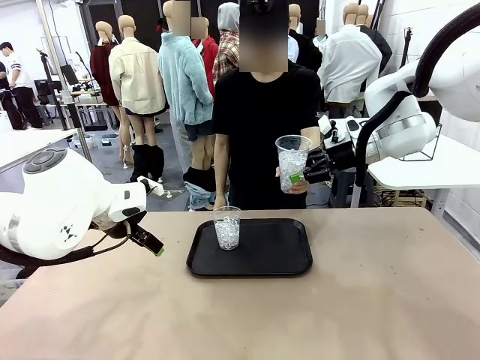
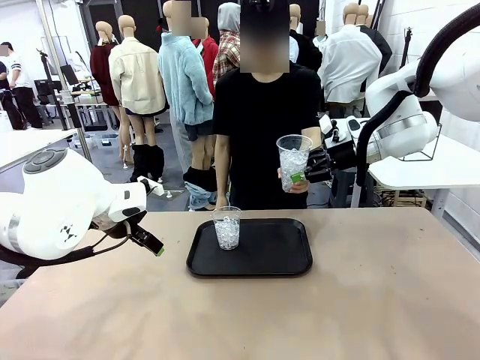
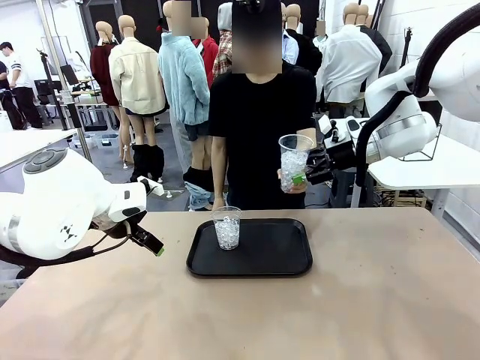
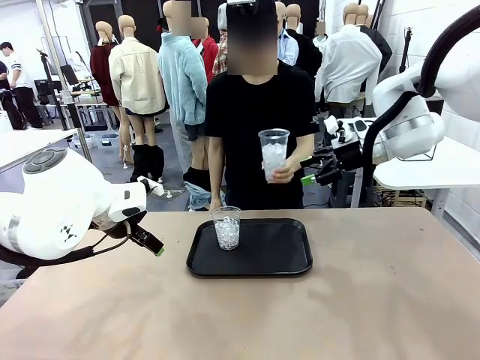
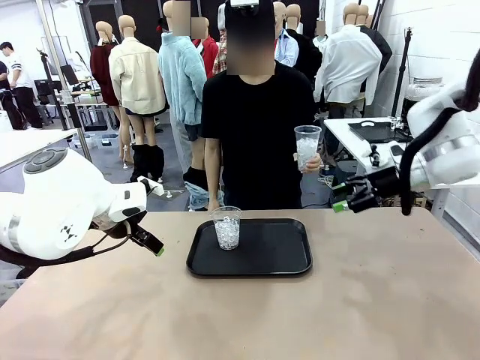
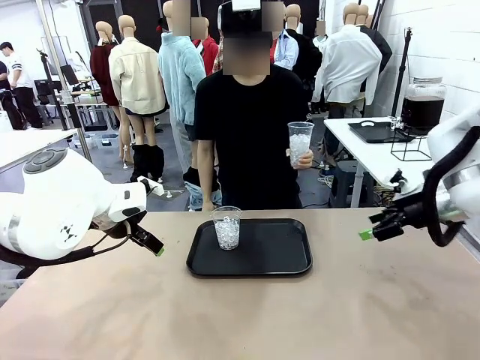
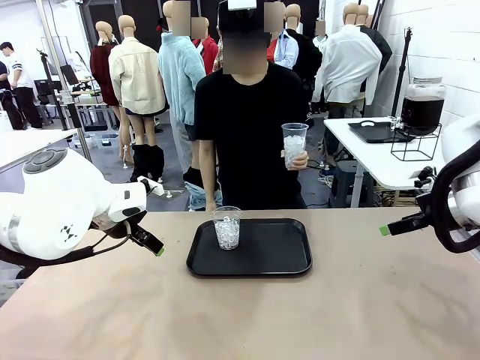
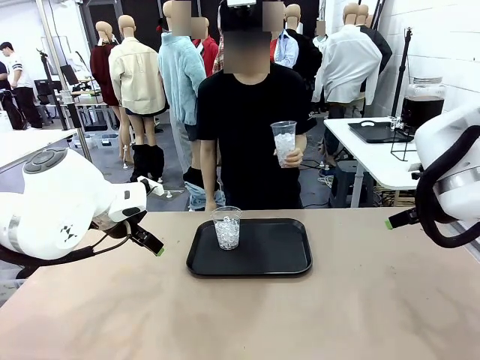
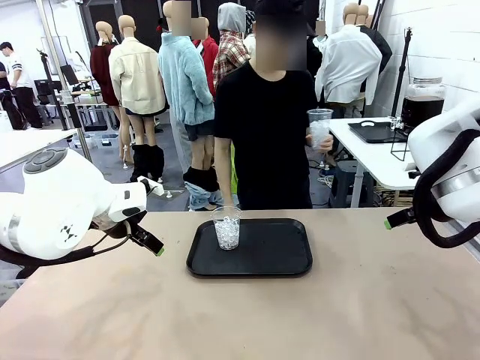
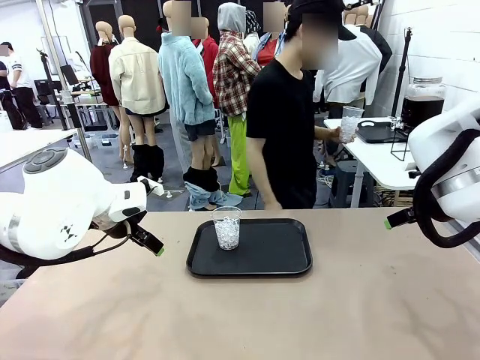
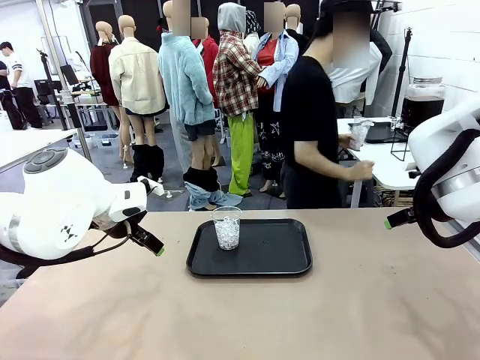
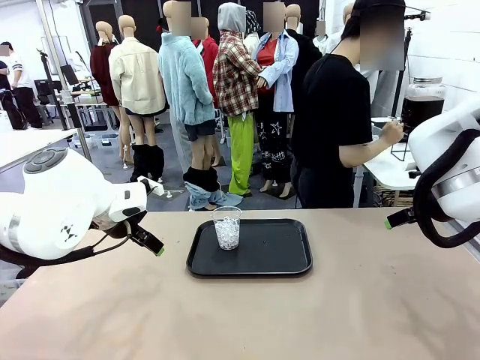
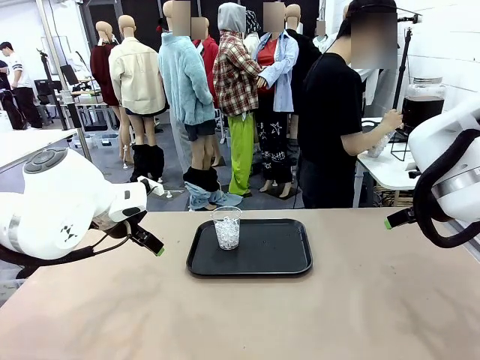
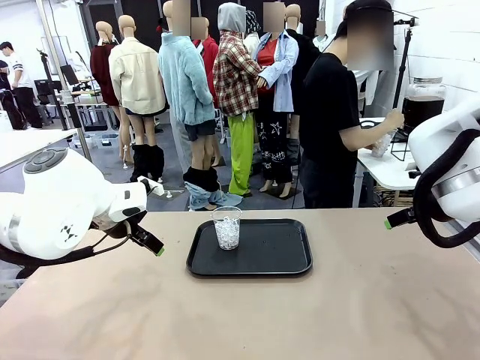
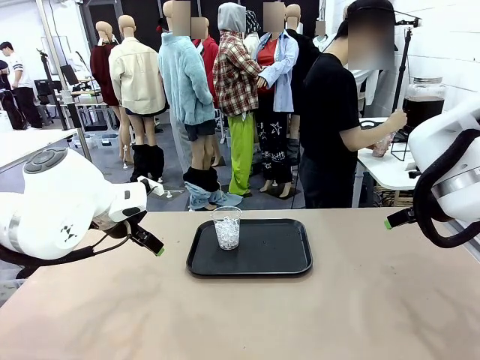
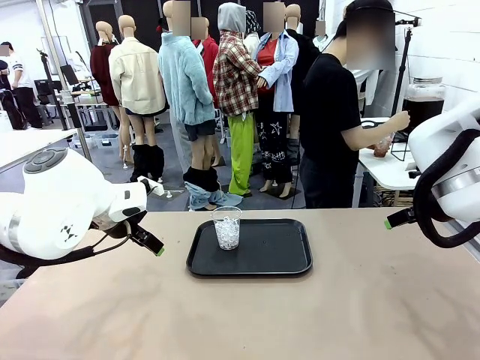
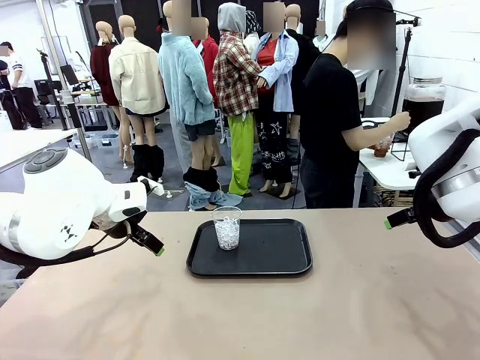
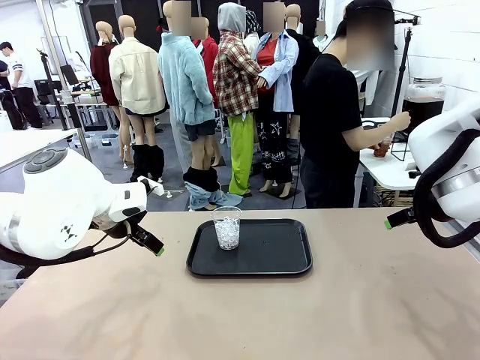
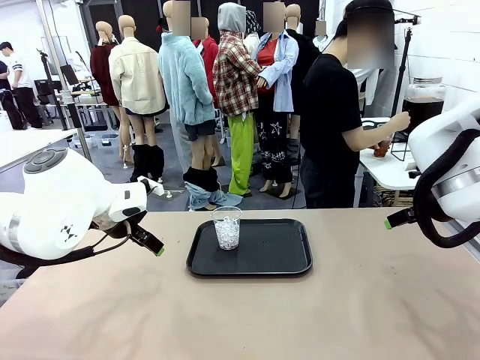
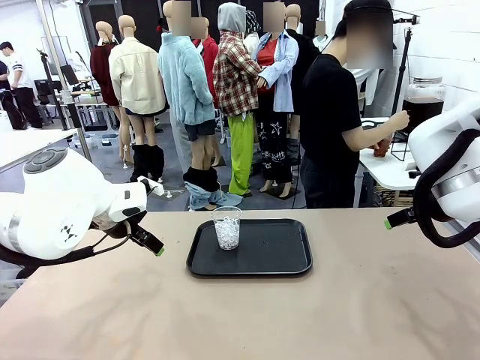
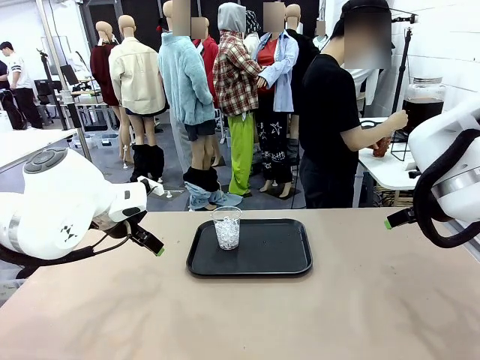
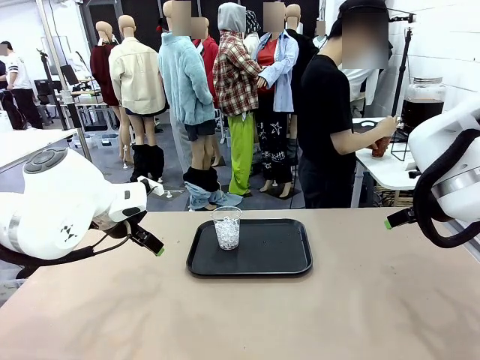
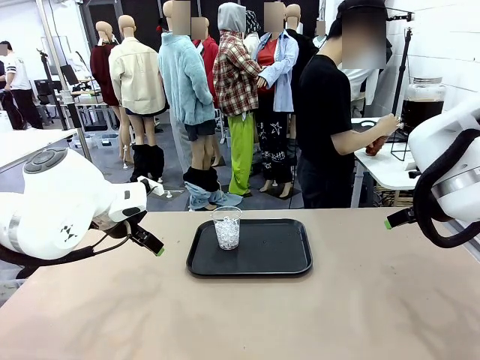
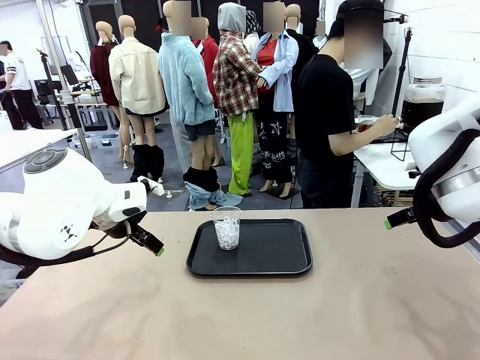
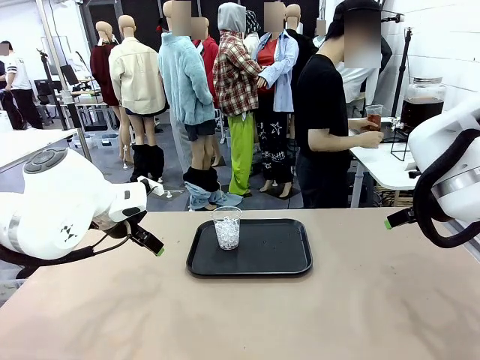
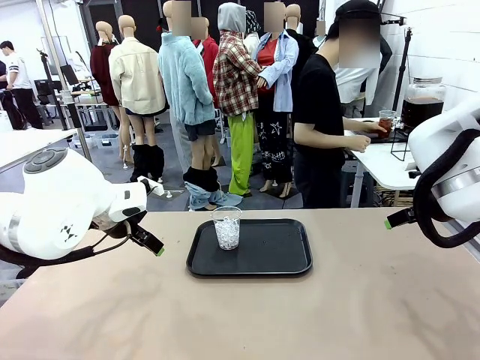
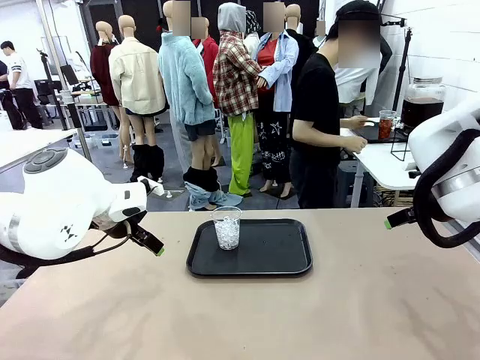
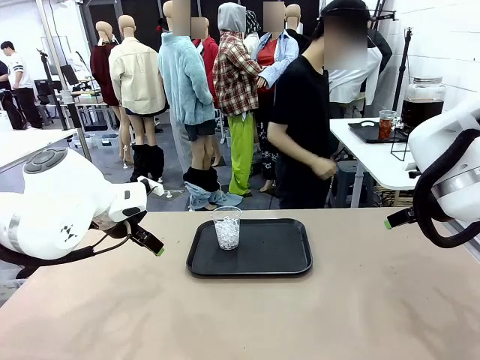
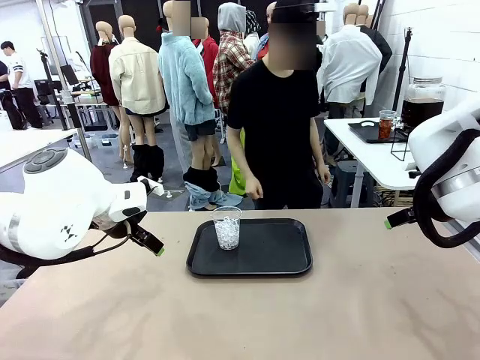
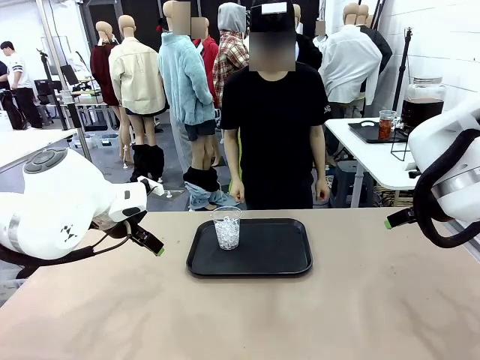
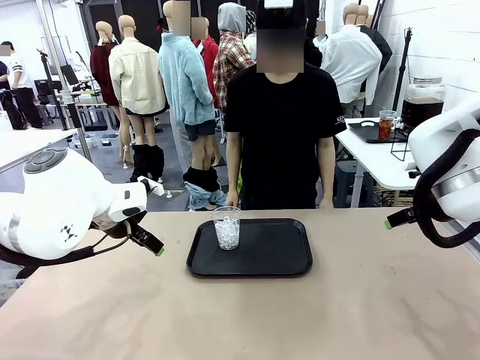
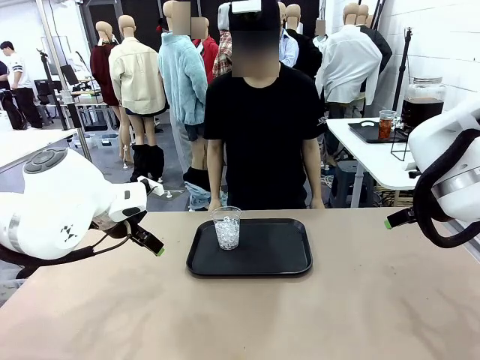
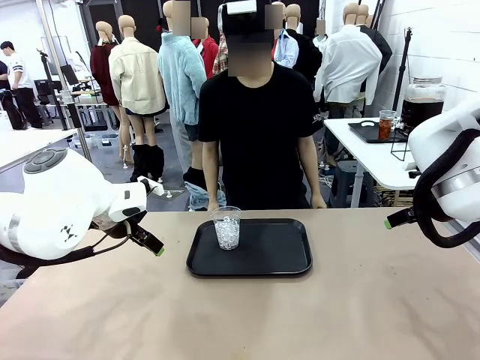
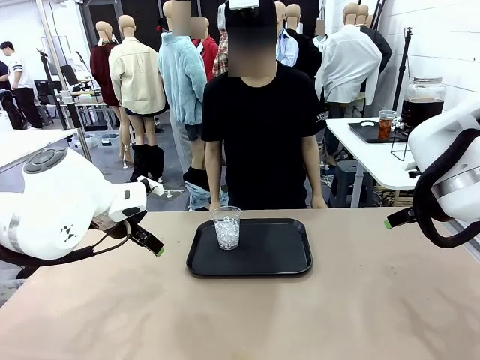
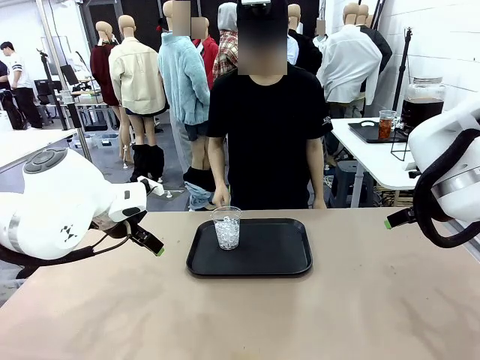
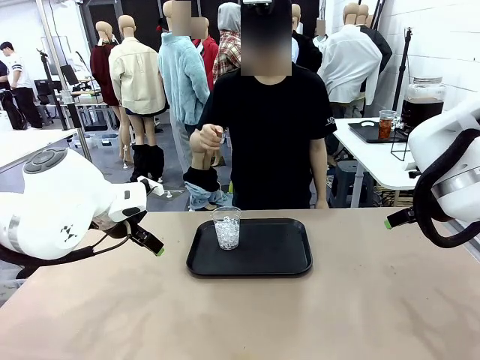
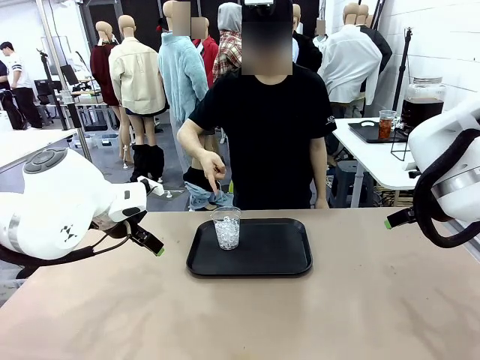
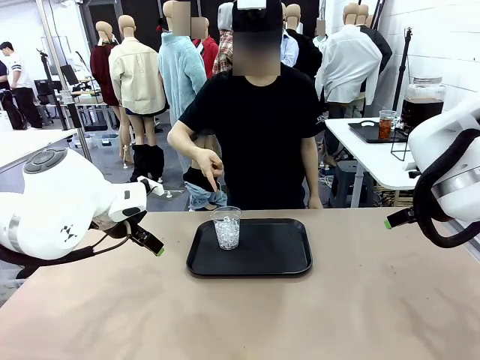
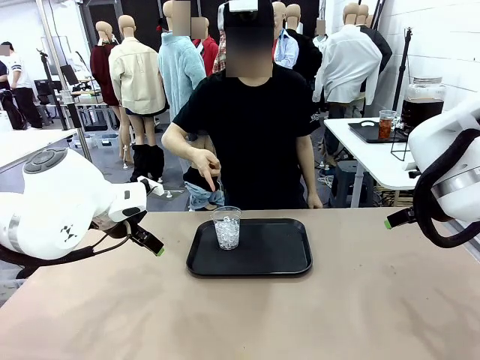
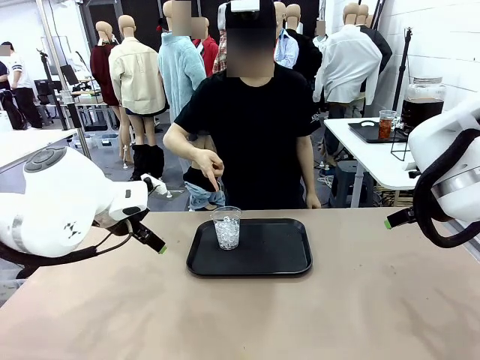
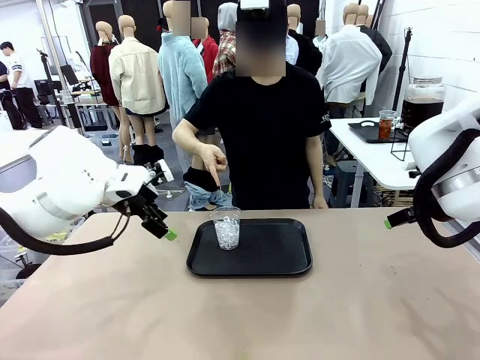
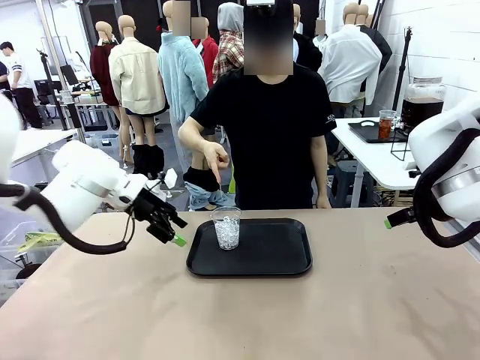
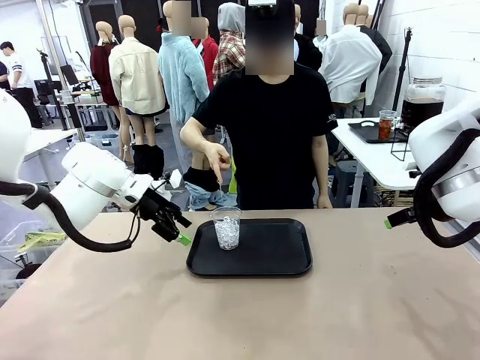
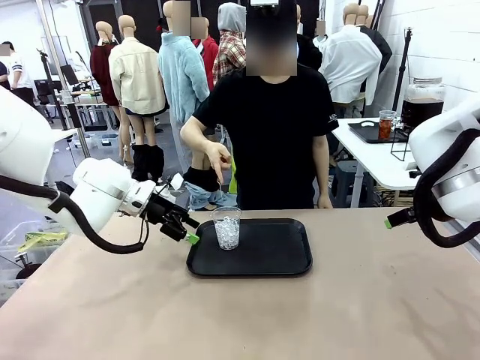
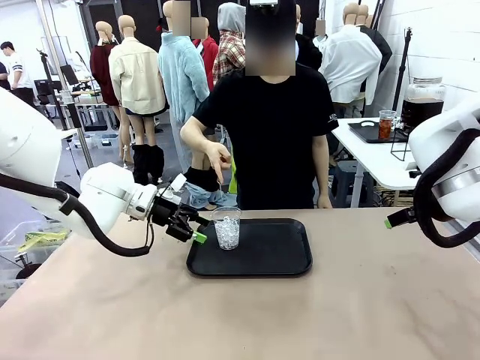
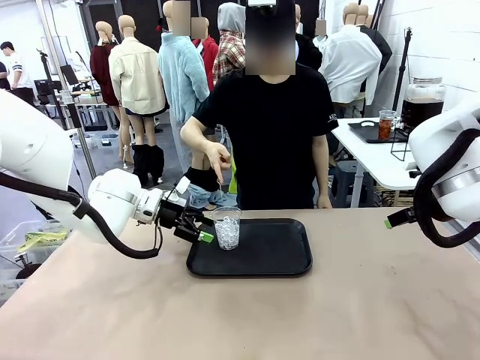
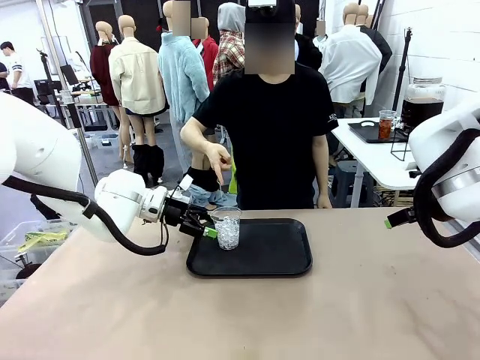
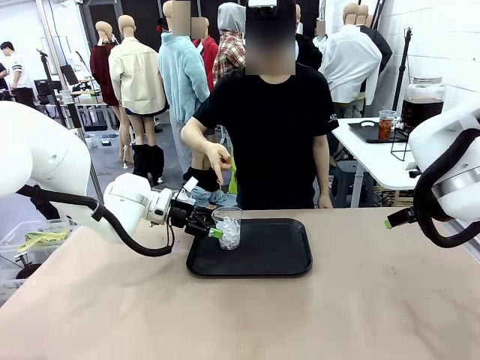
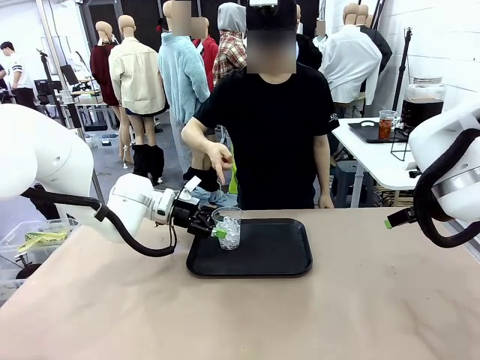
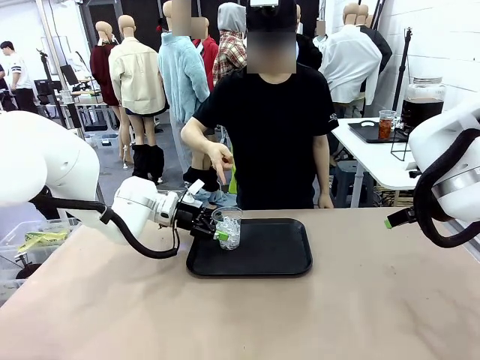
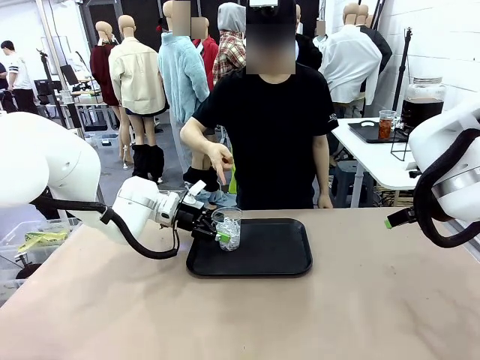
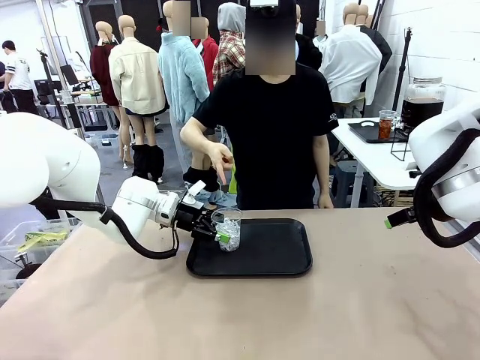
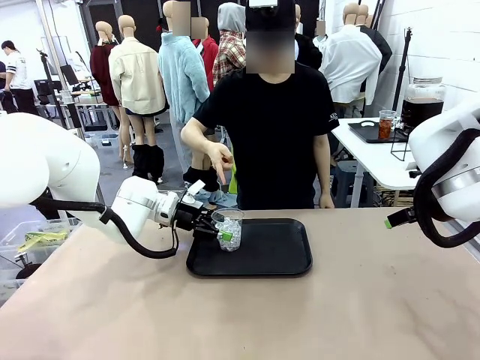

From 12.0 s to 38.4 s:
Task: Pour the drink into the iced cup.
Robot: Pick up the iced cup indicated by the human and present it to them.
Person: Move the picked-up cup under the dispenser faucet, pour the drink, and place it on the tray on the human table. Point to the remaining ice cup on the robot table. Pick up the cup offered by the robot.
